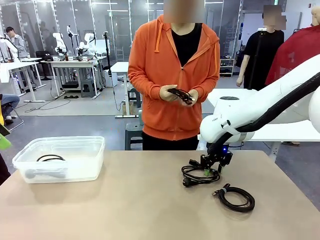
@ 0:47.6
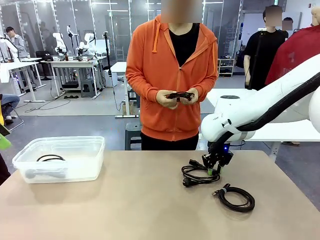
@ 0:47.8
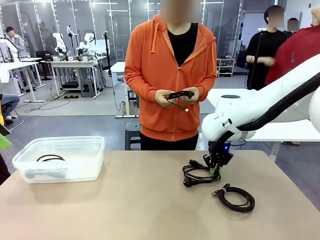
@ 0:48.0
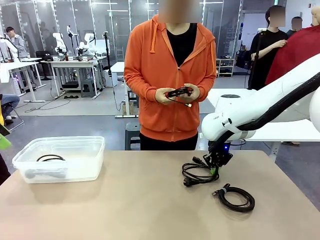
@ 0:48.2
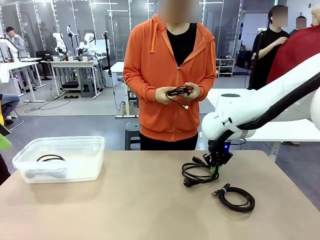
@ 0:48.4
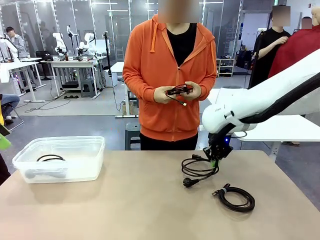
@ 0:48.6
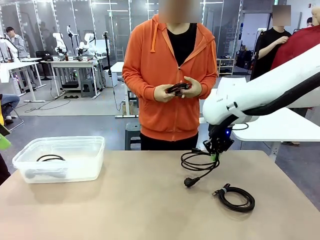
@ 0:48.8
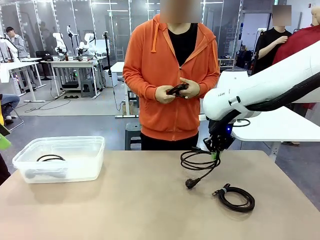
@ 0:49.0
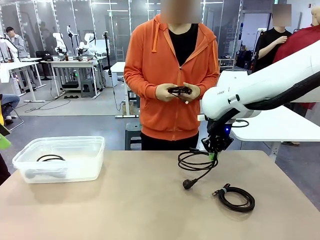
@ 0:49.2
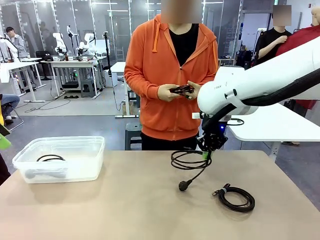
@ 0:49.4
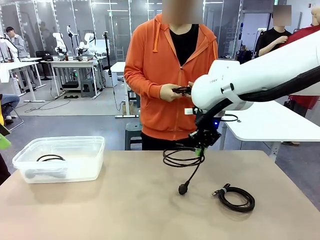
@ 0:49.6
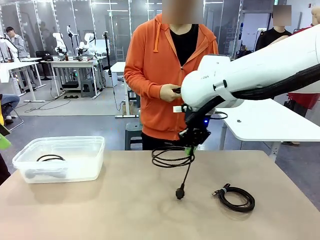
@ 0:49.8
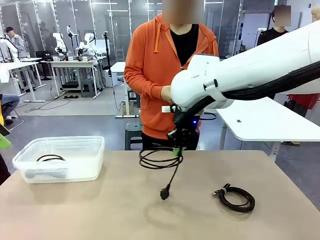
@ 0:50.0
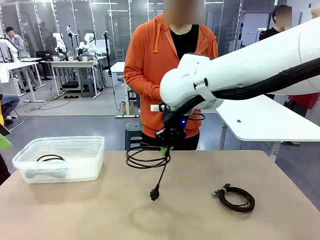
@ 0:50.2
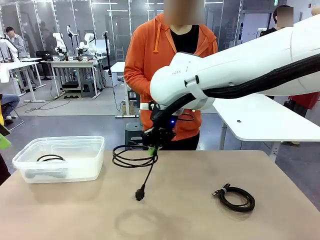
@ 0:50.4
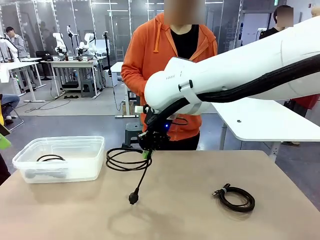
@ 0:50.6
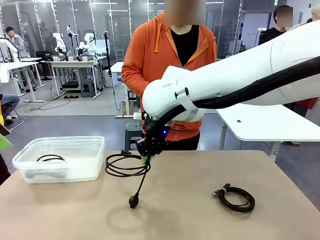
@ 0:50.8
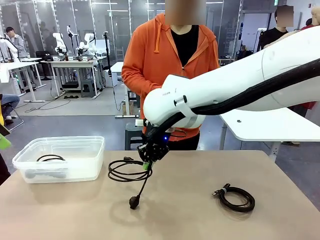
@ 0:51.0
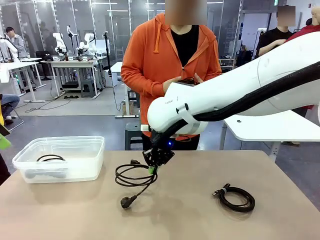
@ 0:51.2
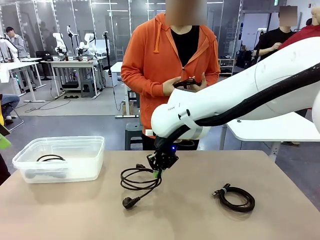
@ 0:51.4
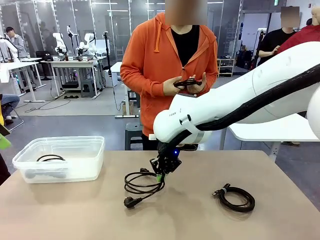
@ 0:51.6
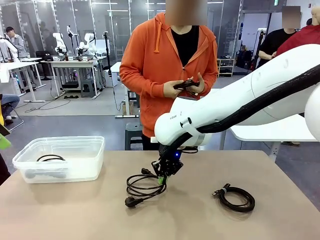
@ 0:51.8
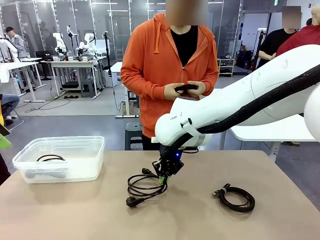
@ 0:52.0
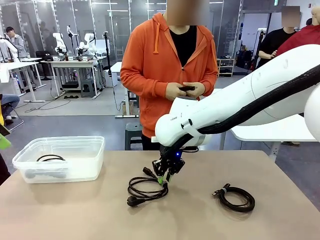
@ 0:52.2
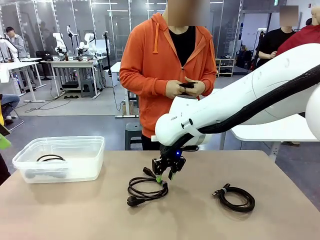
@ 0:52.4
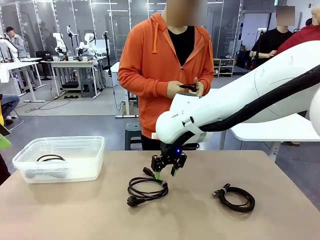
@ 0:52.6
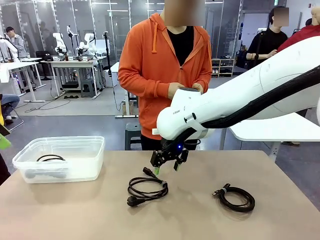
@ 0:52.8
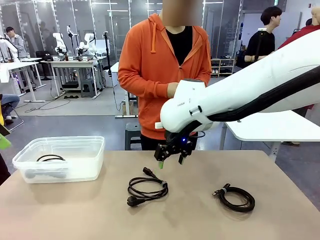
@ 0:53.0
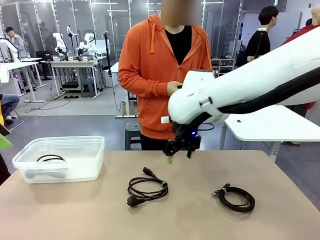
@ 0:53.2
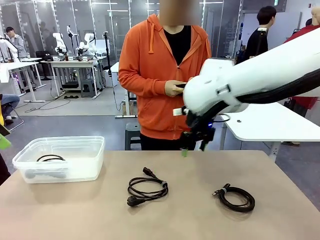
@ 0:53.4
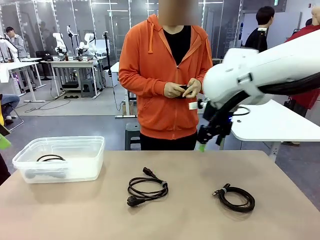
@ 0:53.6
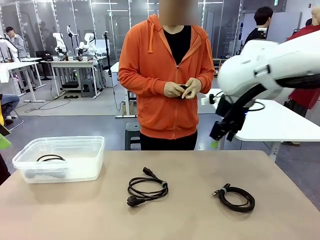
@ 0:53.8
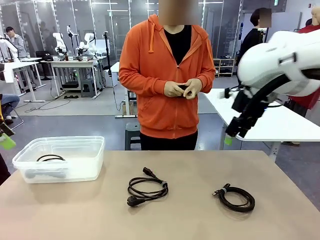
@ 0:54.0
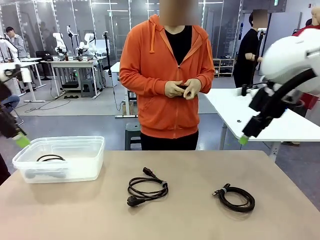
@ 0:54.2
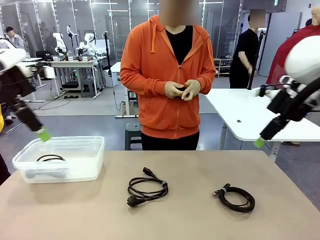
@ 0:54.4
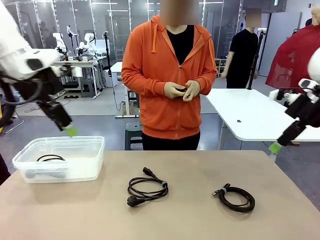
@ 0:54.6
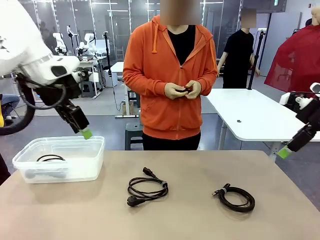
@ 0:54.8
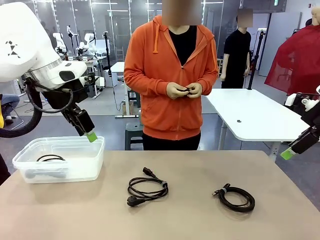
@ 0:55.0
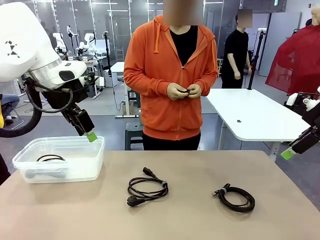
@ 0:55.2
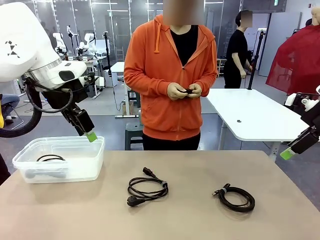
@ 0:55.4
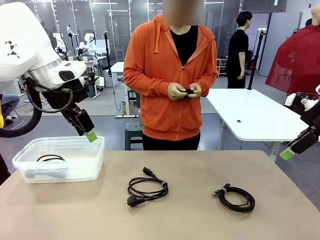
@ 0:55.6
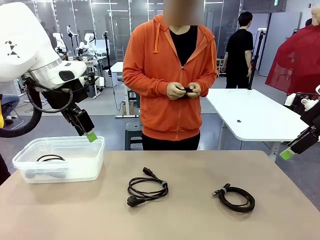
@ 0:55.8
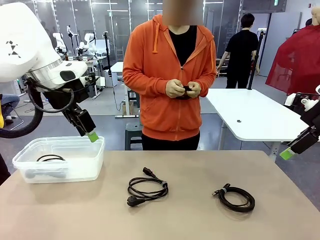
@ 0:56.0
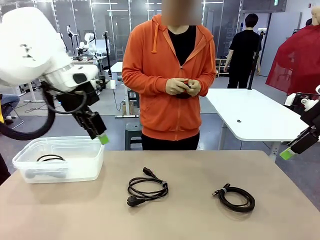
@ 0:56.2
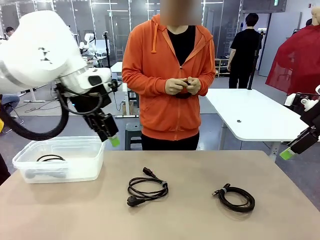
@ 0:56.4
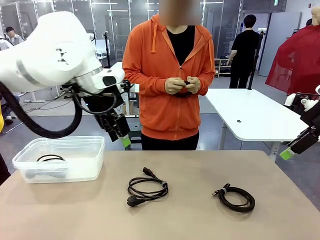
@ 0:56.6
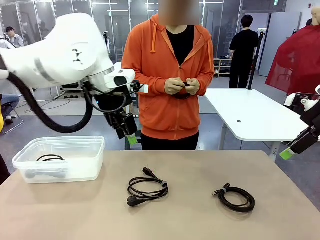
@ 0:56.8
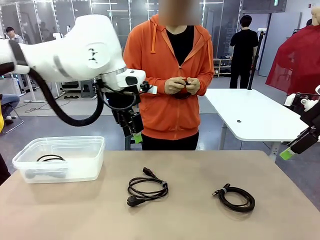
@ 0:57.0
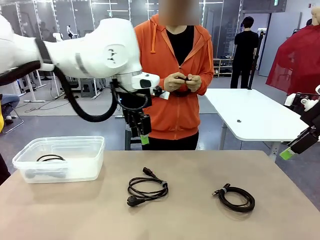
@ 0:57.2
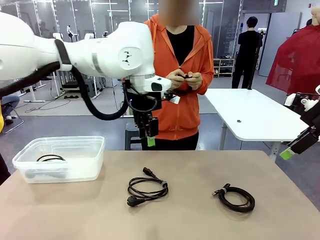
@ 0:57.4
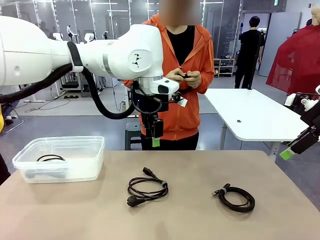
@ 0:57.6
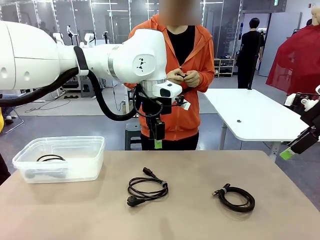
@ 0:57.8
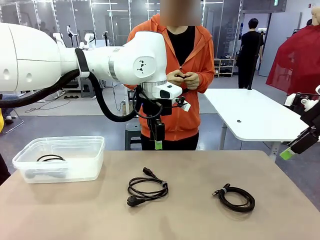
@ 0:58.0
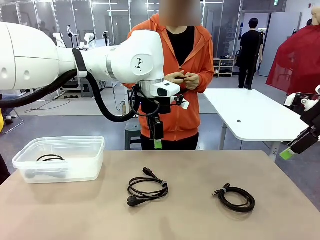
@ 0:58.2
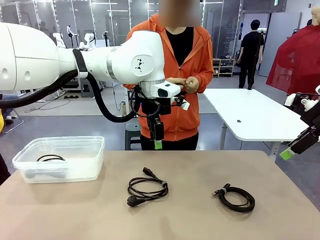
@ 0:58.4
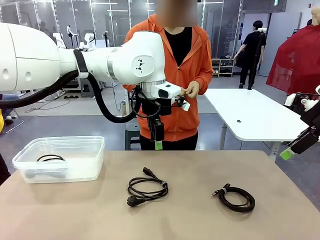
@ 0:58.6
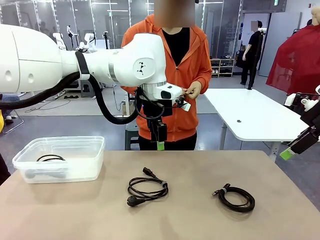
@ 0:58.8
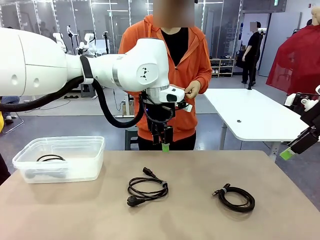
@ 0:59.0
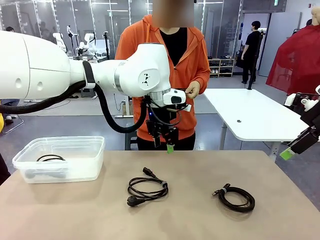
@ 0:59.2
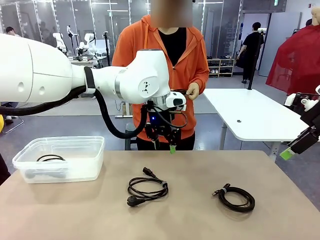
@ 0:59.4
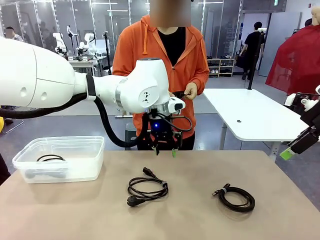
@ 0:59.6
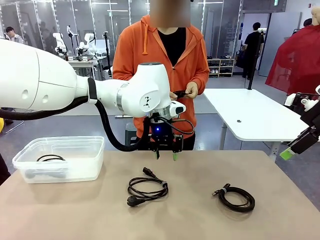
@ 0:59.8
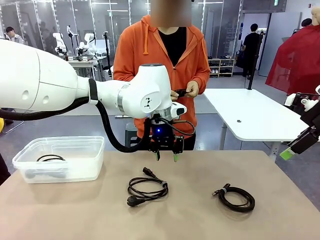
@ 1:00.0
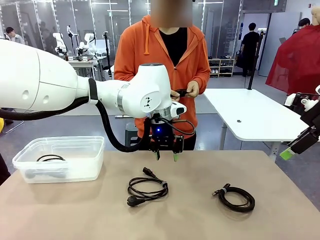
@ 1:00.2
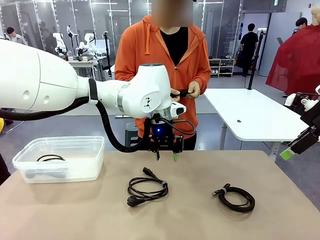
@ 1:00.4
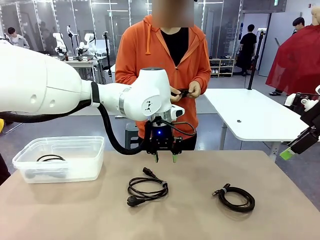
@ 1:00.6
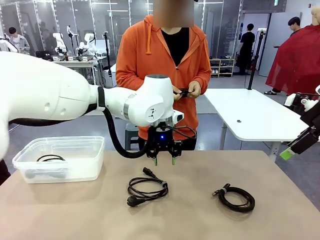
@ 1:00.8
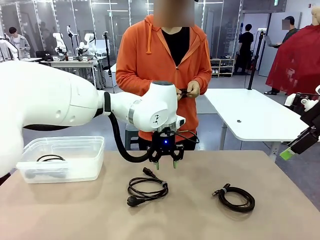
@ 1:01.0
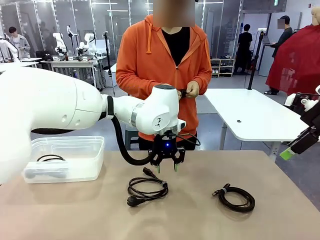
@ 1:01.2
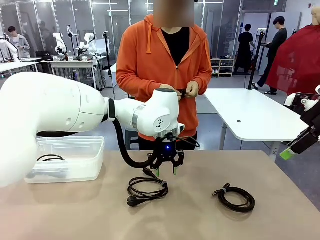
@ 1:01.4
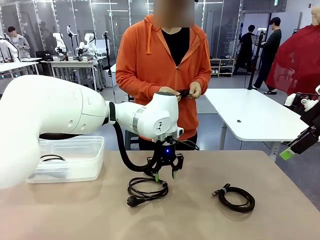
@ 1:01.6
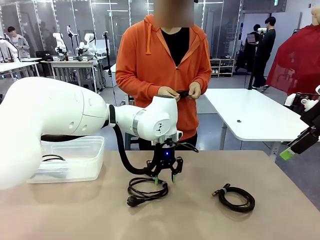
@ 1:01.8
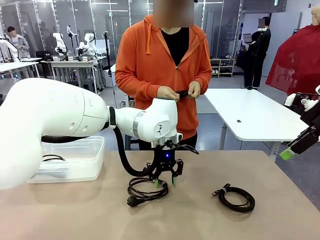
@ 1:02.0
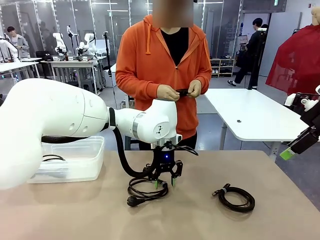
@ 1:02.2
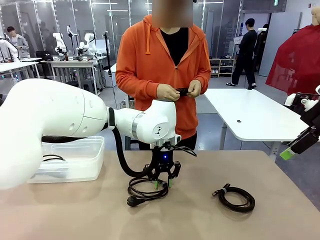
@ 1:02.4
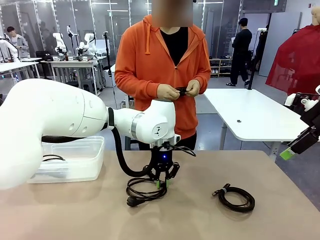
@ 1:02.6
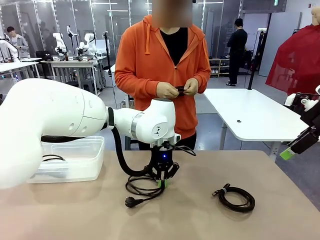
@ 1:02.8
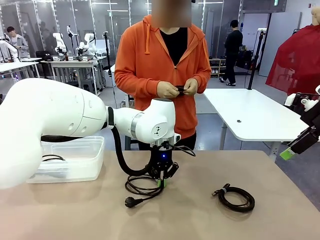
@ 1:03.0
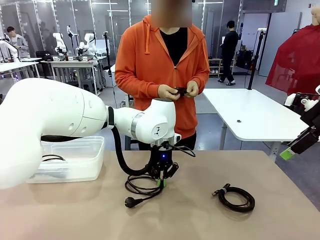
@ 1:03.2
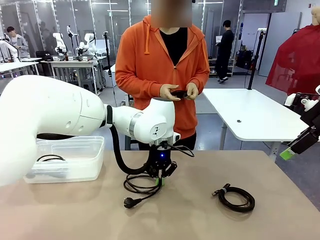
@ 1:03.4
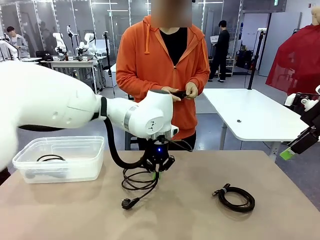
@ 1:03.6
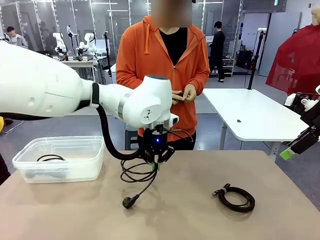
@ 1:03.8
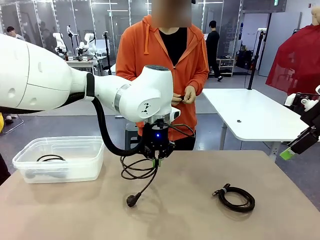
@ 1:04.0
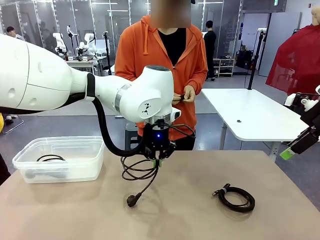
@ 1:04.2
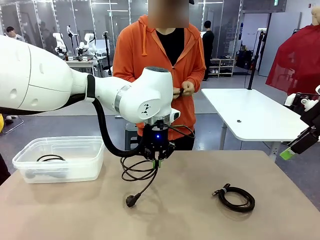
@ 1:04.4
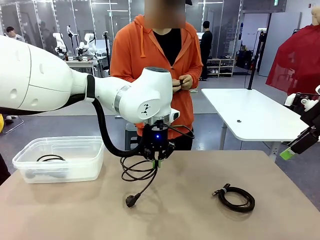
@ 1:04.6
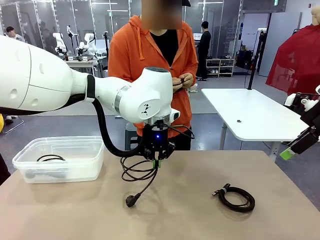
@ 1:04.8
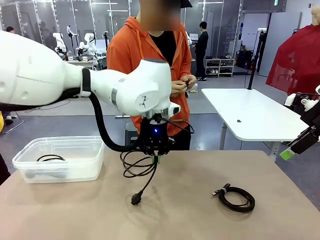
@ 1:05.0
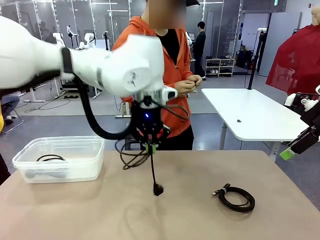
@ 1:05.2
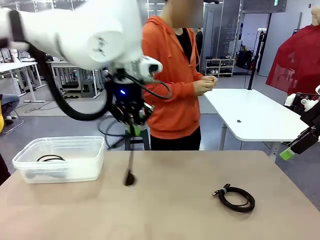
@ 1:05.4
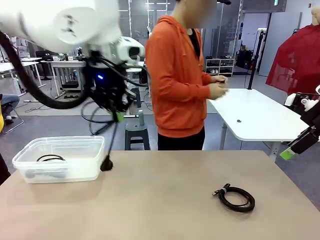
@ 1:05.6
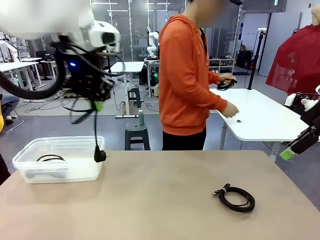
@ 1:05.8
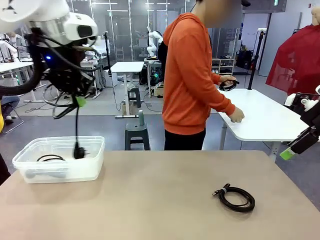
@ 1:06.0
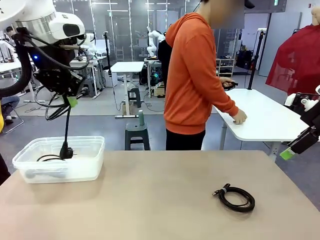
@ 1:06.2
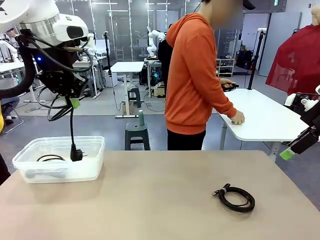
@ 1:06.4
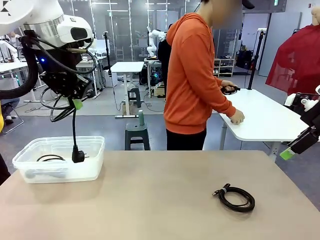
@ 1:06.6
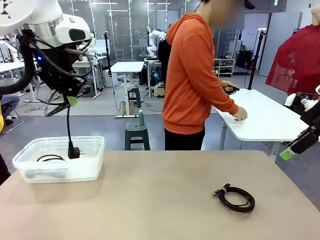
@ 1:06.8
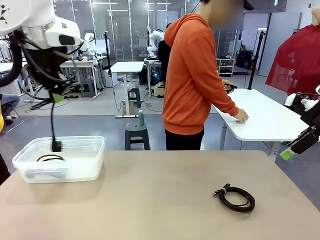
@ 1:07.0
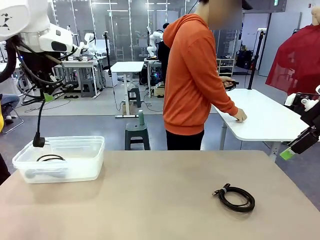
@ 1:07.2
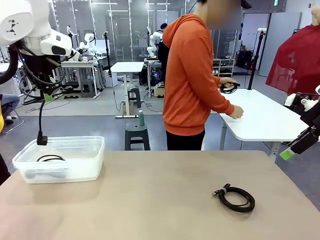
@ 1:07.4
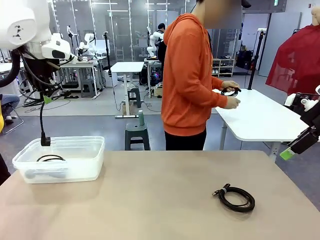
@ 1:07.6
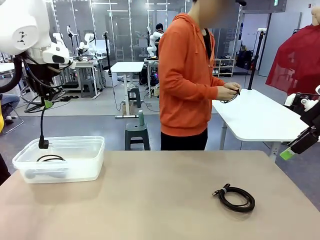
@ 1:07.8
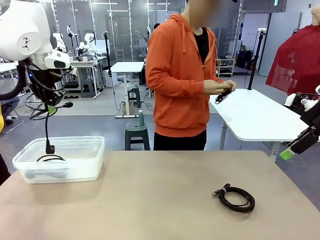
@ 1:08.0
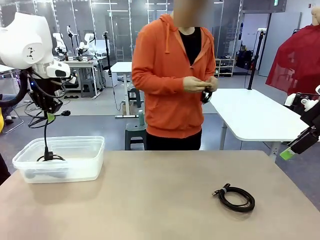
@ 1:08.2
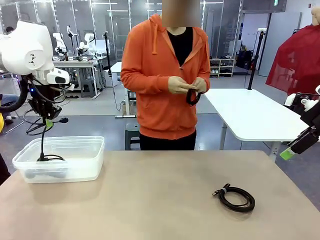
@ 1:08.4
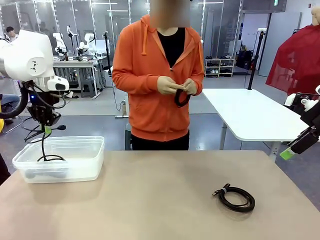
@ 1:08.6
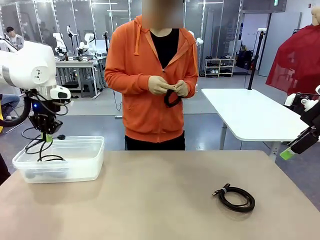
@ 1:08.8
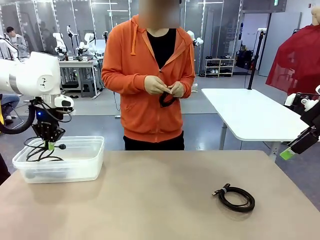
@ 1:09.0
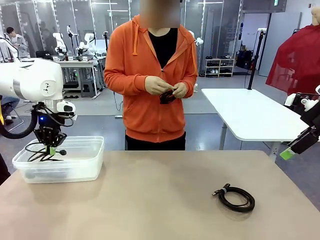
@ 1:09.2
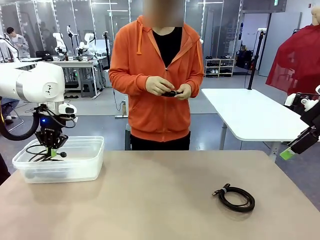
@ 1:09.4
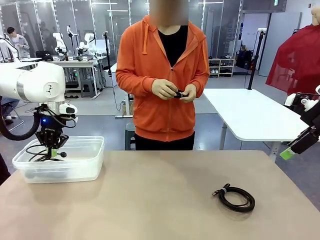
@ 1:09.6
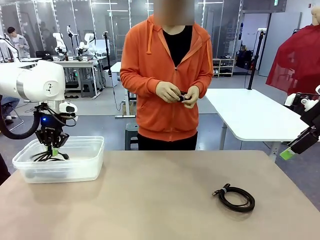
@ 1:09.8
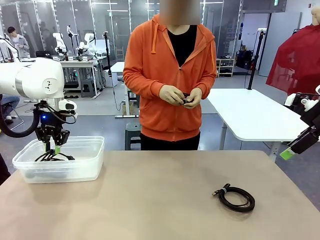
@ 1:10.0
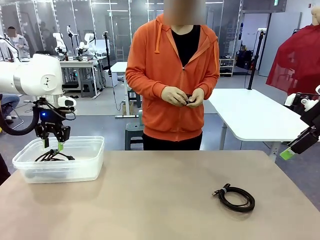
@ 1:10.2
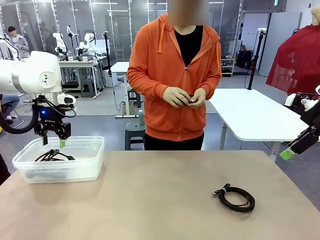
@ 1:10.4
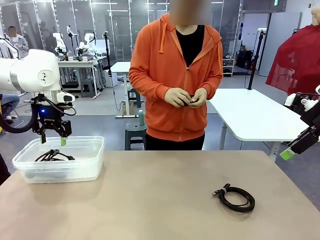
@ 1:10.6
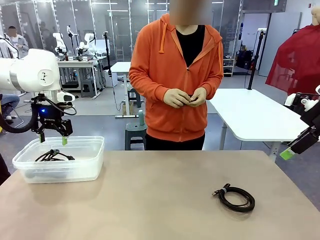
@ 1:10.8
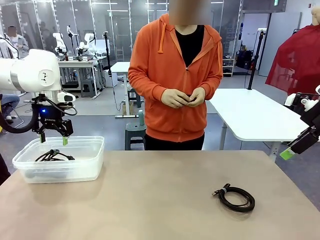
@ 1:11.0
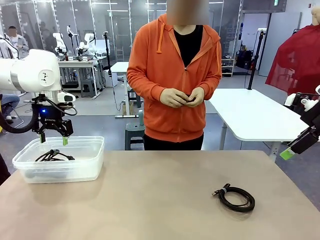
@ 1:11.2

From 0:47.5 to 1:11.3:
Task: Organize and store the cables.
Robot: Place the Power Cable into the Organizing box.
